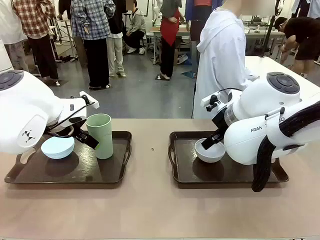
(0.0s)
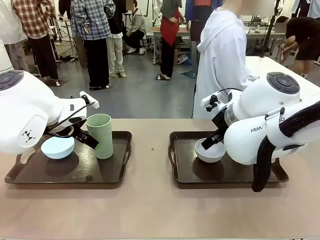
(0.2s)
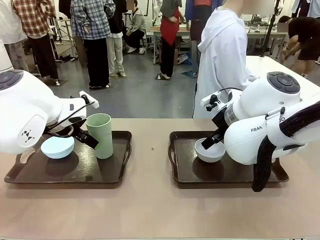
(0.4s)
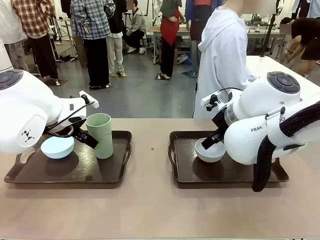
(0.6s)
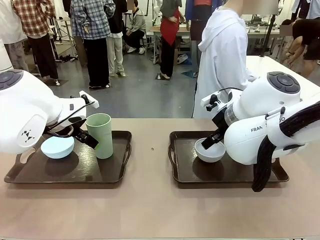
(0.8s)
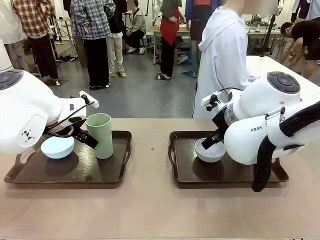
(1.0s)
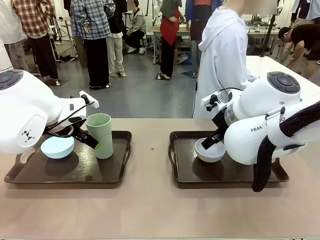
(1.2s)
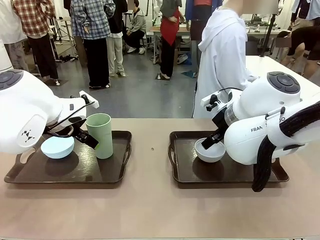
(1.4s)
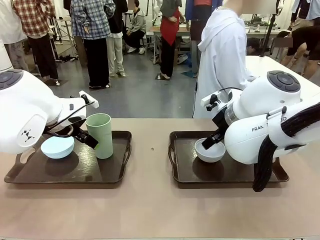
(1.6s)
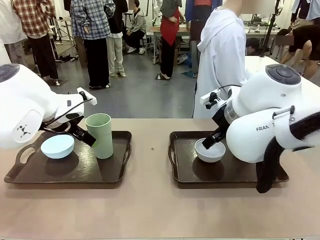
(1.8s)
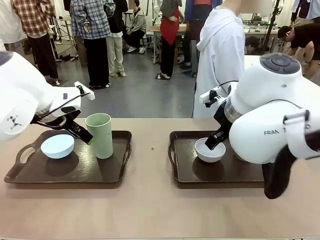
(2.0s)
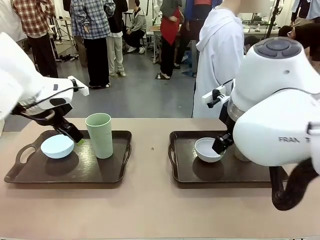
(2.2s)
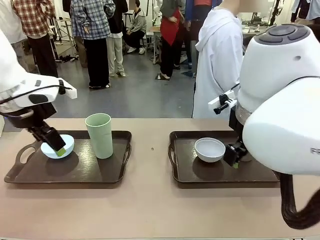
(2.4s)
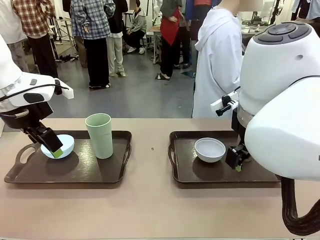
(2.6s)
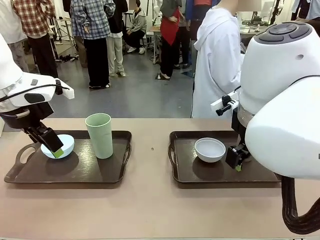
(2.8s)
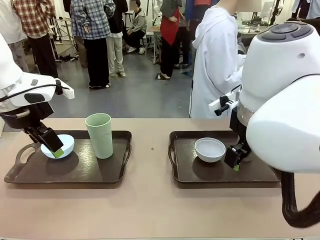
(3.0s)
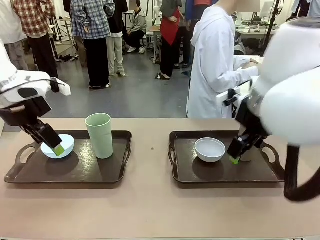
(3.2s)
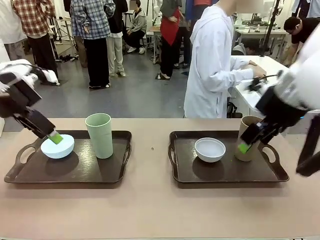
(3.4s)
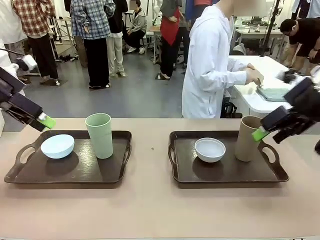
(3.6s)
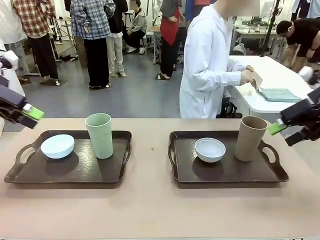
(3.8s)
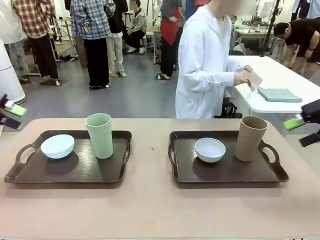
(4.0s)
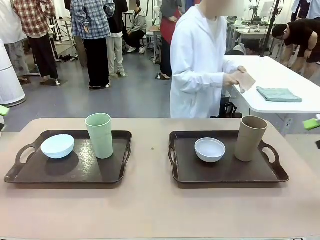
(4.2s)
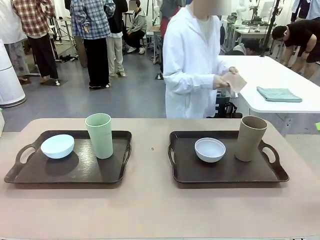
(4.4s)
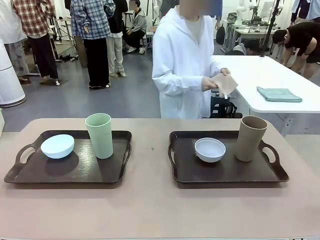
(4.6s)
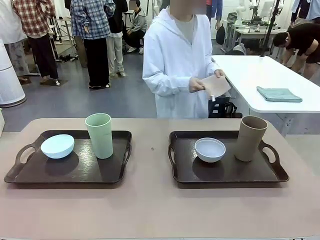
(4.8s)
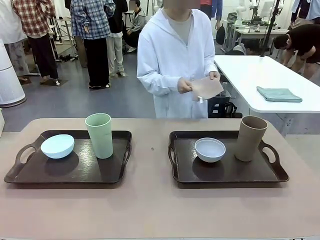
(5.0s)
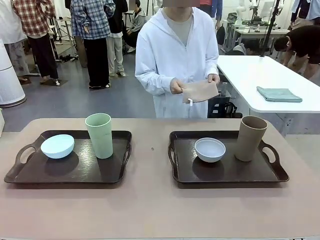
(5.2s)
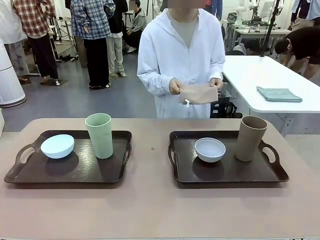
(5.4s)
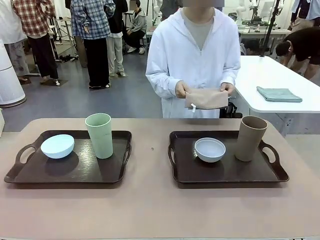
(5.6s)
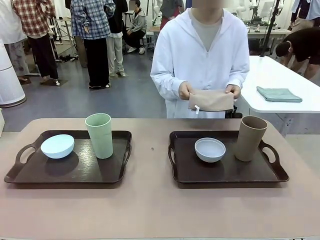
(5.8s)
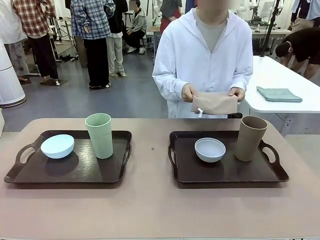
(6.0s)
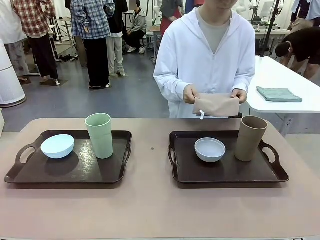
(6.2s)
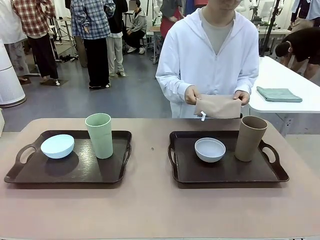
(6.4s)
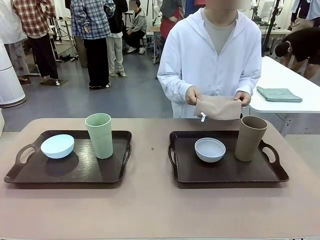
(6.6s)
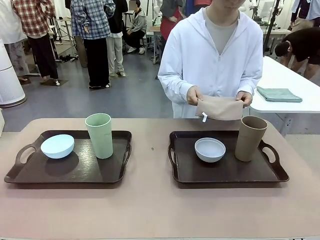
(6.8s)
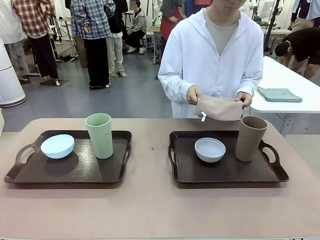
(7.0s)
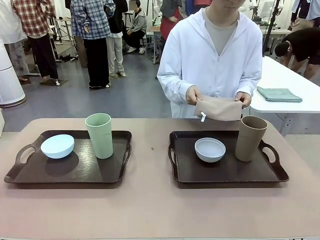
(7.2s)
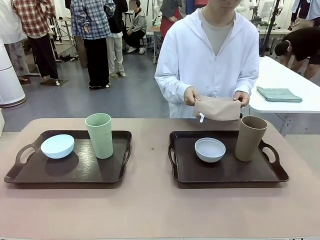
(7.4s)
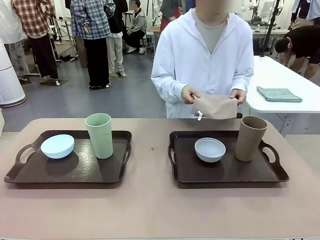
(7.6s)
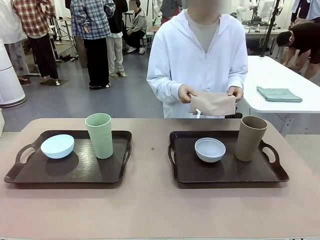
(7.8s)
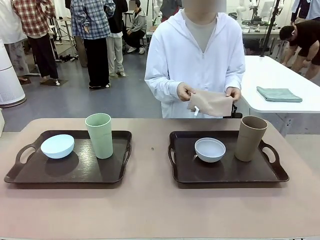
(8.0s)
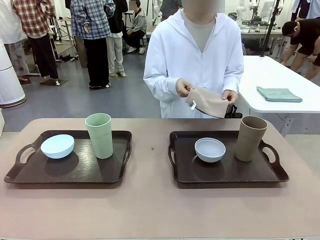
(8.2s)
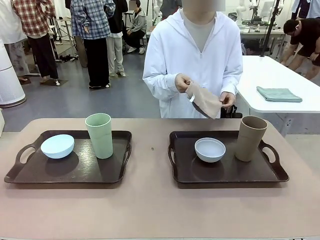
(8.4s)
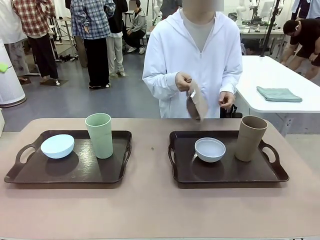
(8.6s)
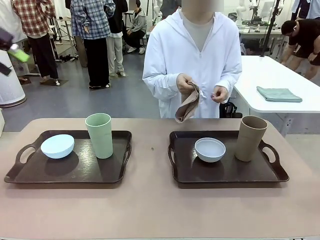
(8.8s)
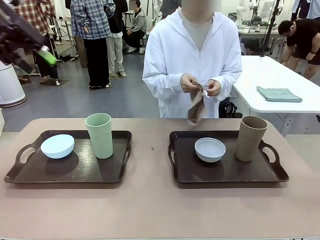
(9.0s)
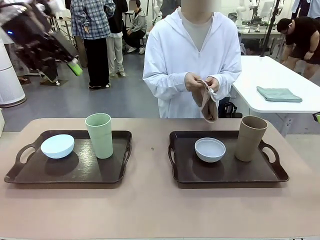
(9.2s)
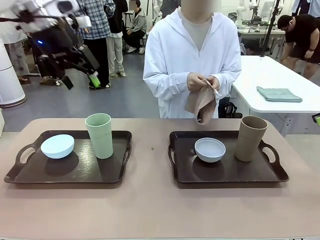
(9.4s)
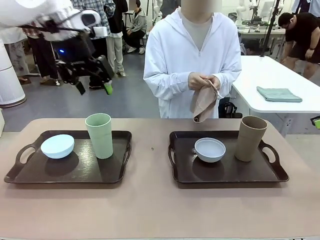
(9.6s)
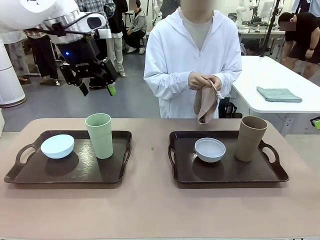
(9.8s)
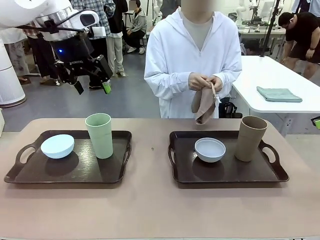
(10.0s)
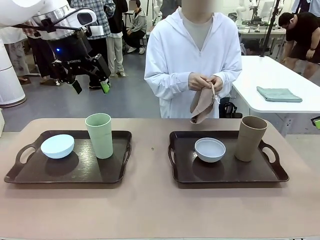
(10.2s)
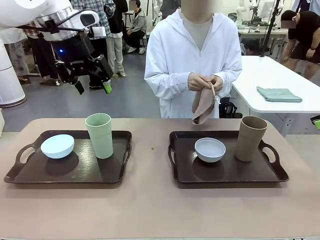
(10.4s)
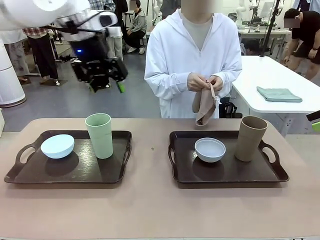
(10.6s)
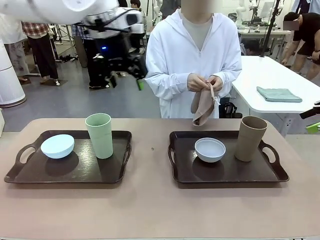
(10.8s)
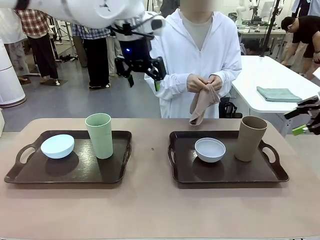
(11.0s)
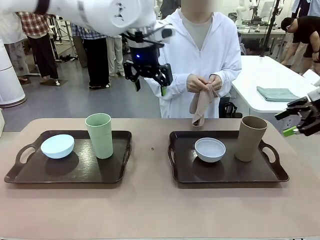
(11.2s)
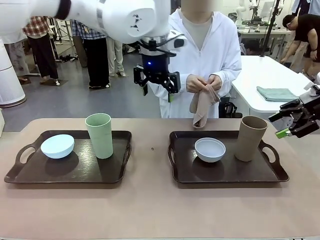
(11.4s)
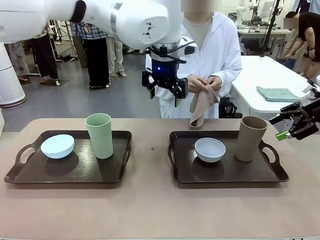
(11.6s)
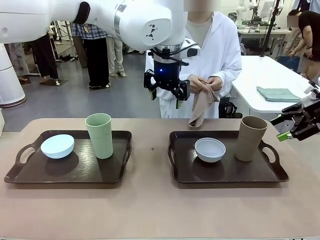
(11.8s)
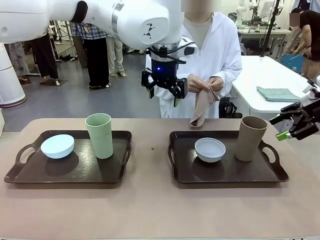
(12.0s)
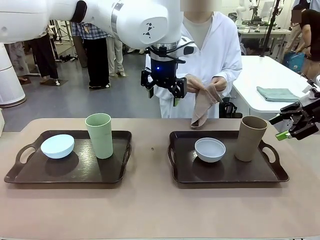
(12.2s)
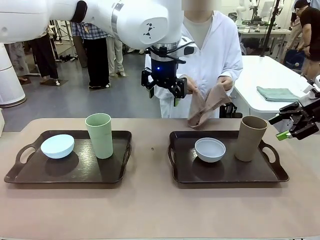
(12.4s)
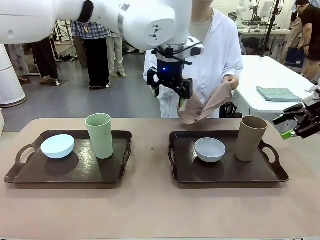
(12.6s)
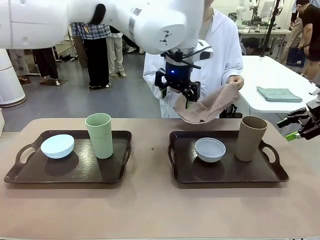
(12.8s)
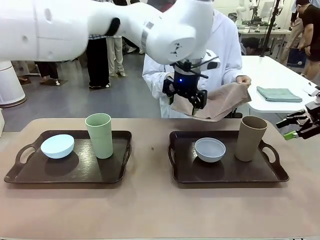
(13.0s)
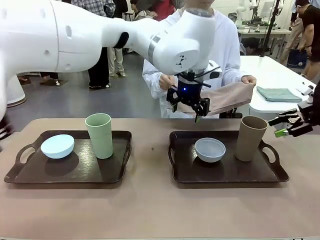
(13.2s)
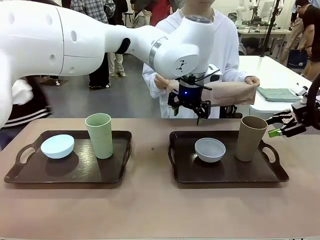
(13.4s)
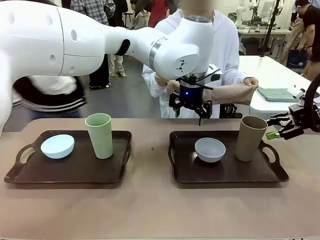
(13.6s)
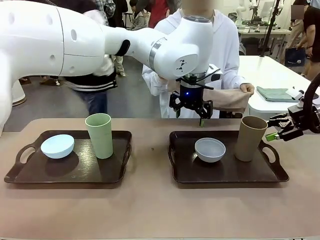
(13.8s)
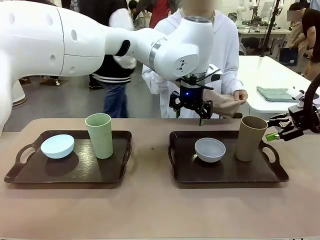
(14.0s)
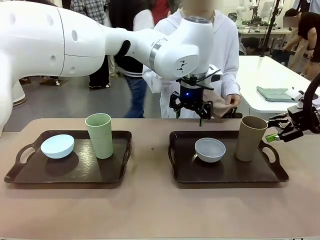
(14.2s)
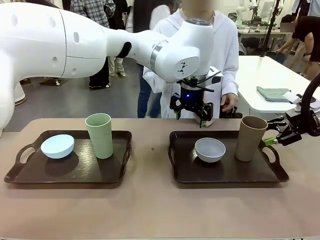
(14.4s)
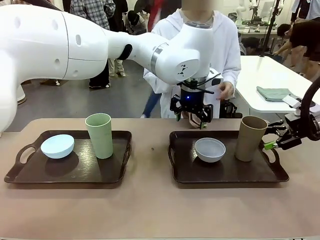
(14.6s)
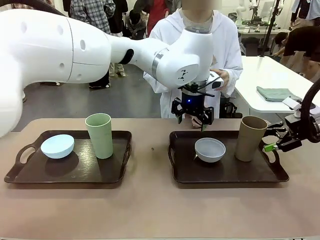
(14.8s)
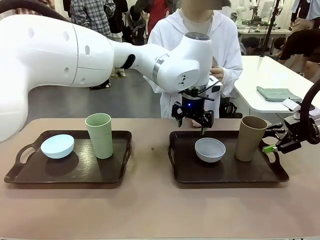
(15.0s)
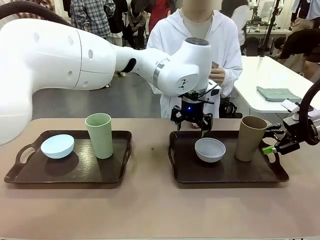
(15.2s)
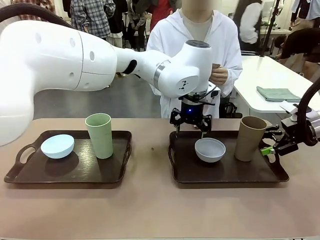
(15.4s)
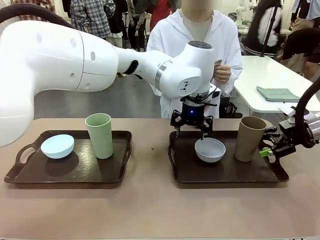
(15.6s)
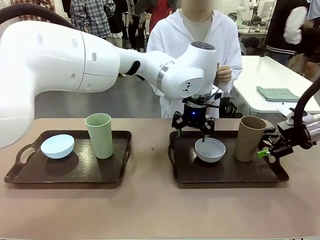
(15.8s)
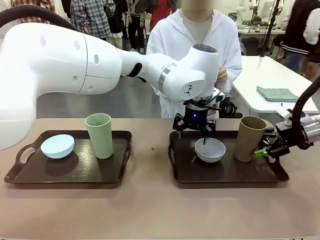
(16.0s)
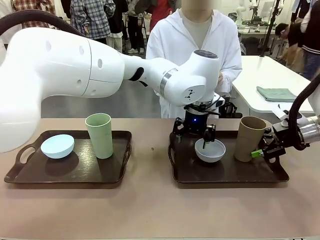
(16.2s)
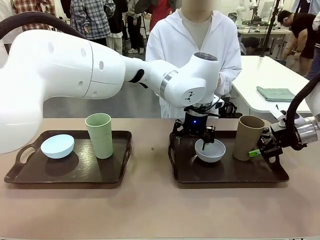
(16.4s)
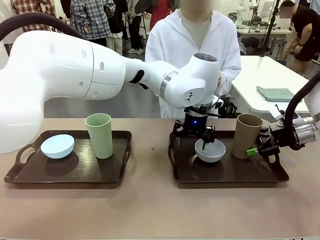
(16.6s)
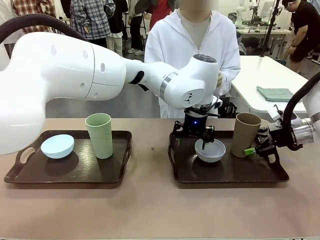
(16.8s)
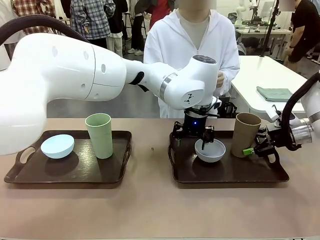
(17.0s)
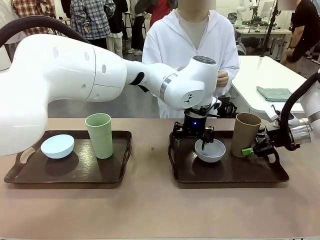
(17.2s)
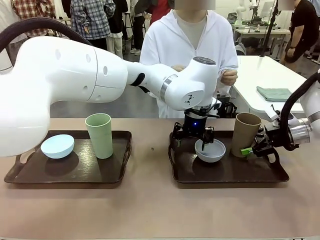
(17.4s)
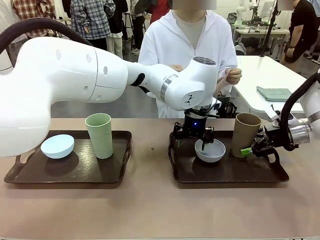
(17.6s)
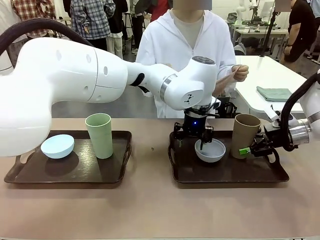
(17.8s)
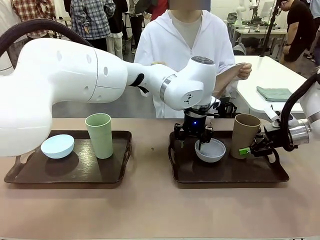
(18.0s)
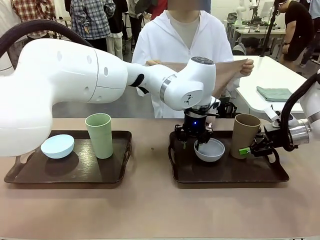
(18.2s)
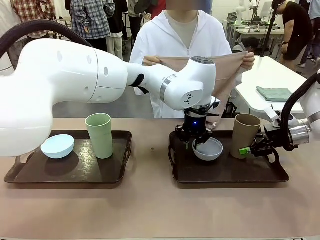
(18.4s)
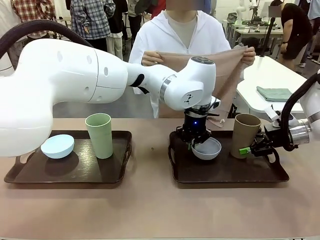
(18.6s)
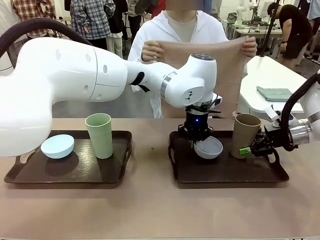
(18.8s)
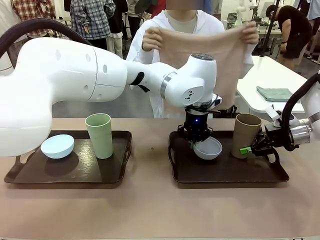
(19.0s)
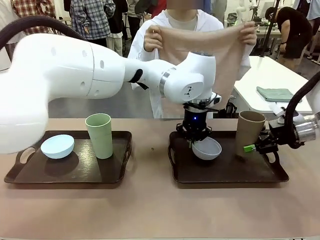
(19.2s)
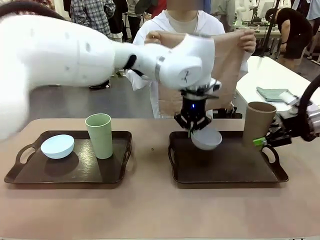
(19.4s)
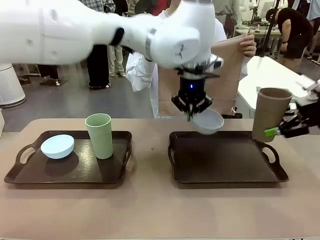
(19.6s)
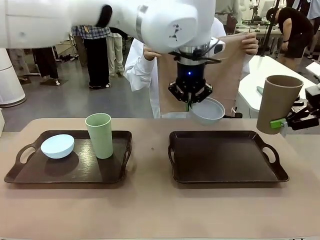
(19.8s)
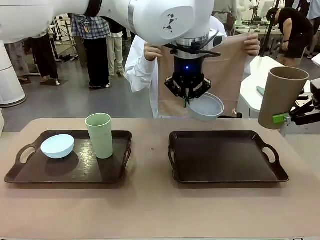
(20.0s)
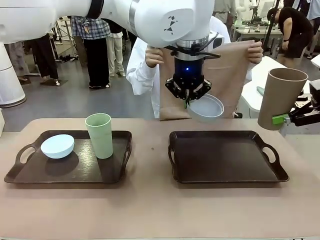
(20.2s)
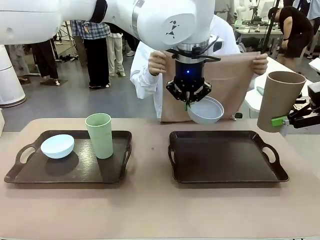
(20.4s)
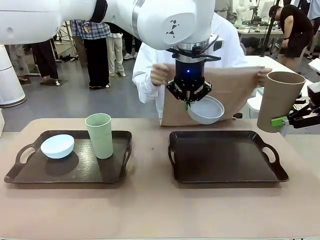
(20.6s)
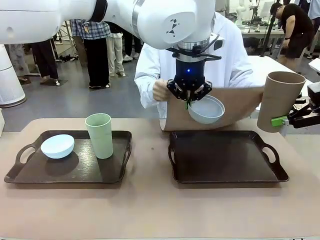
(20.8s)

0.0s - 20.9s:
Robot: Pick up the Picnic Bowl and Reusable plastic cup from the Handle tray in front of the human's position and hold them in the air.
Person: The human picks up the top napkin from the stack on the human table and walks to the robot table to stand in front of one of the two trays. When the robot lifts the bowl and the cup, the human unfolds the napkin and lays the napkin flat on the tray.
